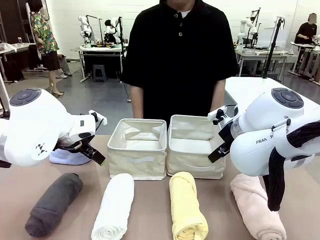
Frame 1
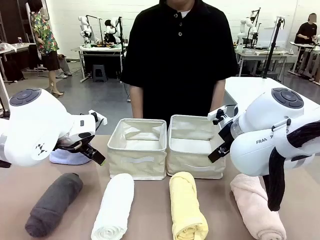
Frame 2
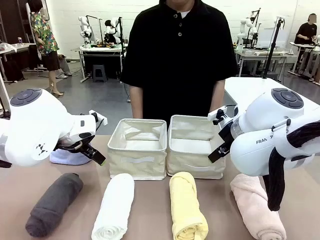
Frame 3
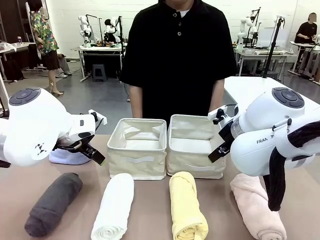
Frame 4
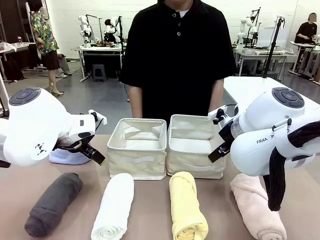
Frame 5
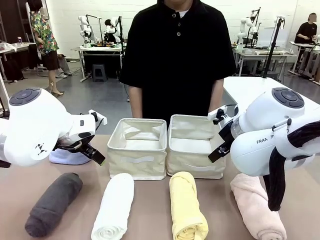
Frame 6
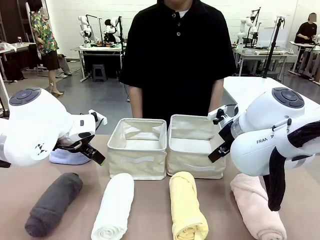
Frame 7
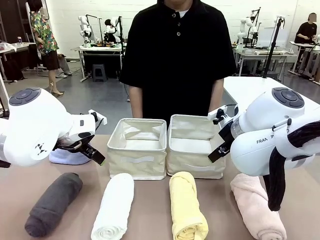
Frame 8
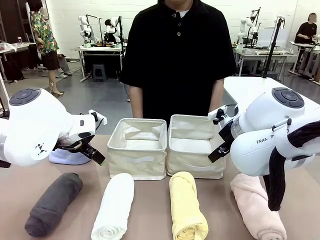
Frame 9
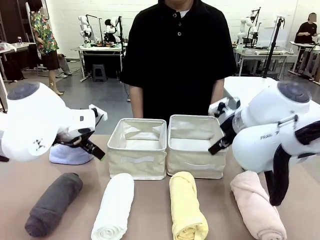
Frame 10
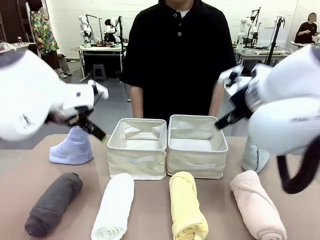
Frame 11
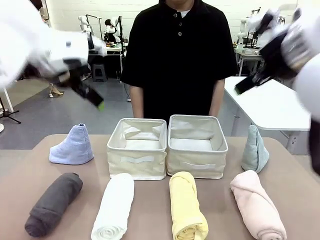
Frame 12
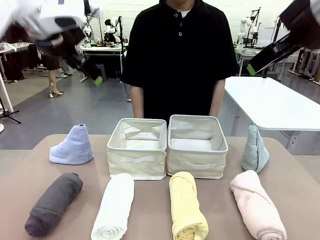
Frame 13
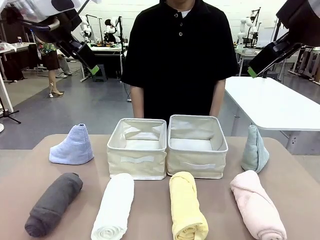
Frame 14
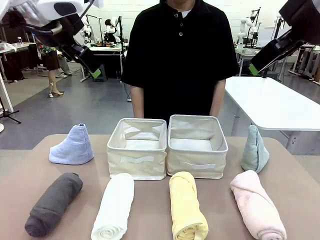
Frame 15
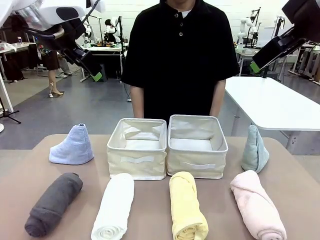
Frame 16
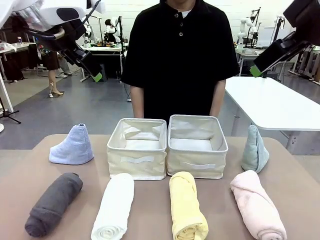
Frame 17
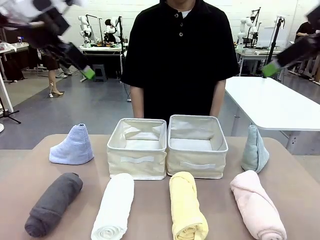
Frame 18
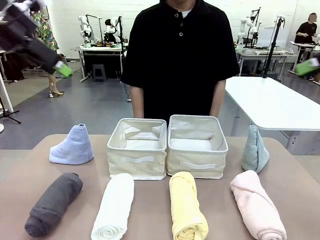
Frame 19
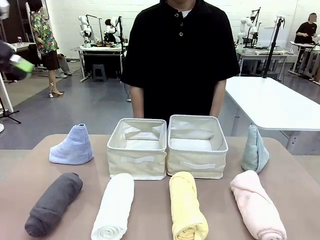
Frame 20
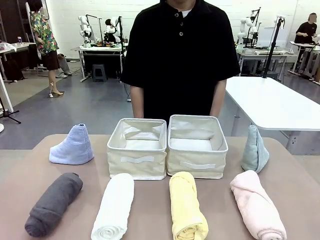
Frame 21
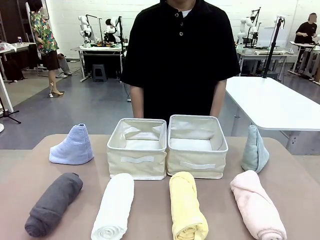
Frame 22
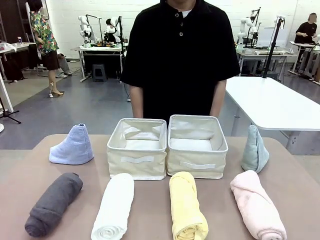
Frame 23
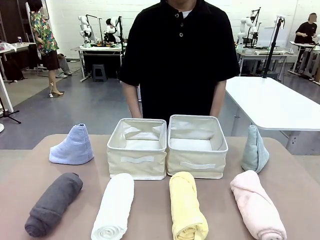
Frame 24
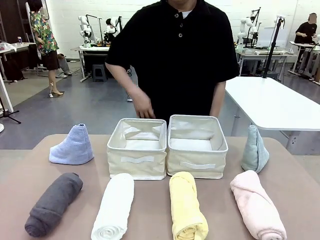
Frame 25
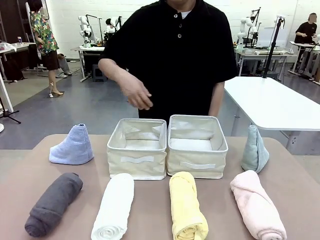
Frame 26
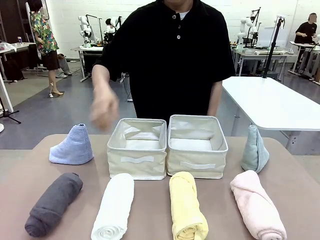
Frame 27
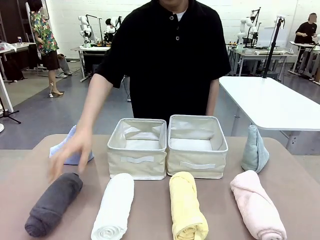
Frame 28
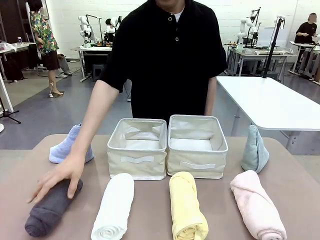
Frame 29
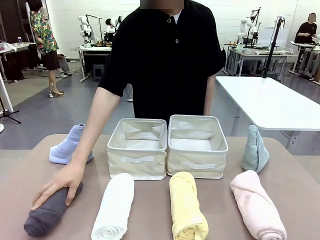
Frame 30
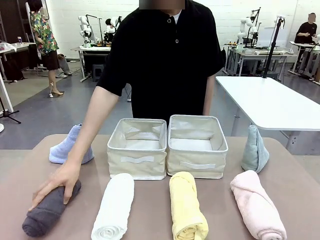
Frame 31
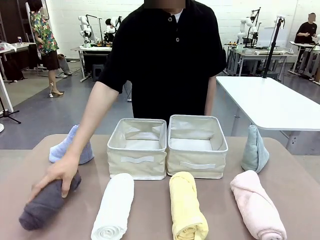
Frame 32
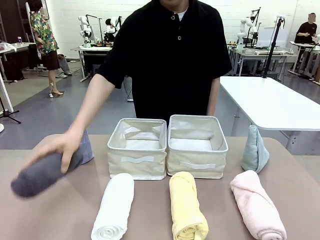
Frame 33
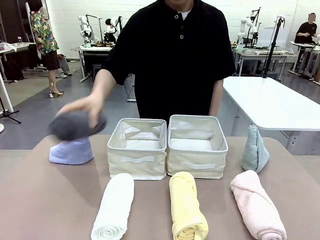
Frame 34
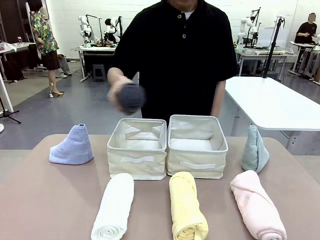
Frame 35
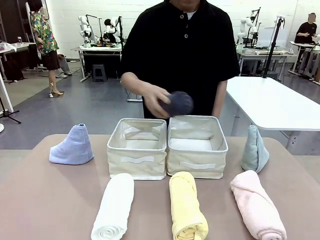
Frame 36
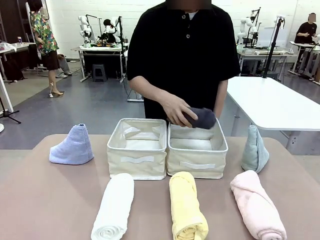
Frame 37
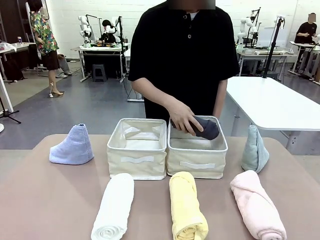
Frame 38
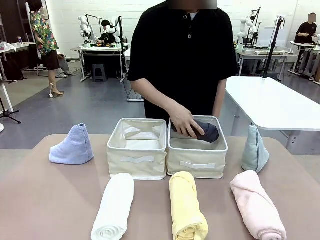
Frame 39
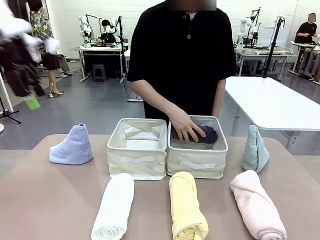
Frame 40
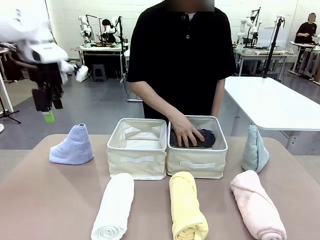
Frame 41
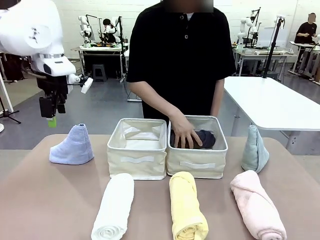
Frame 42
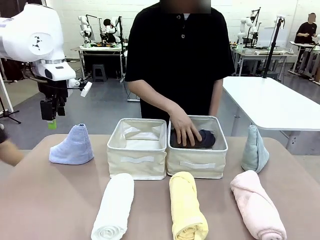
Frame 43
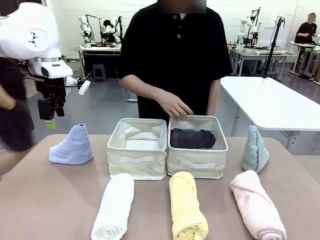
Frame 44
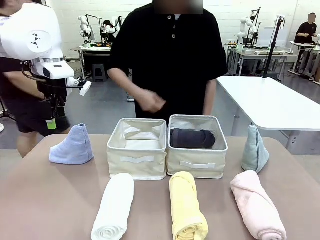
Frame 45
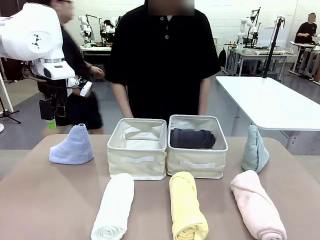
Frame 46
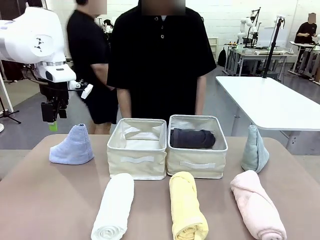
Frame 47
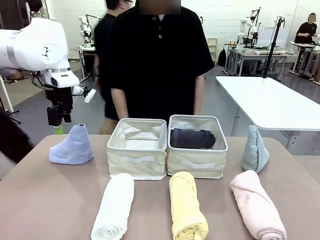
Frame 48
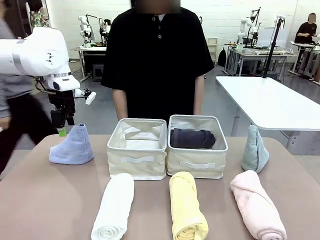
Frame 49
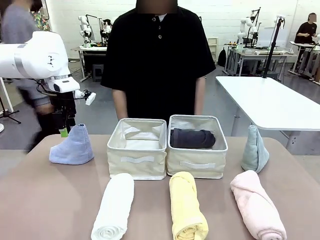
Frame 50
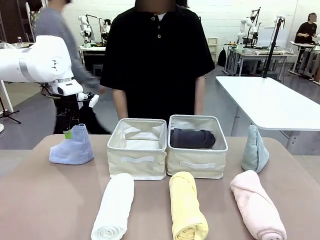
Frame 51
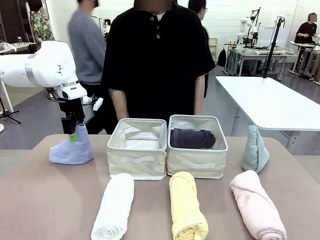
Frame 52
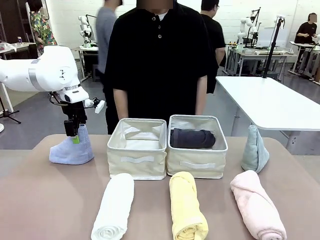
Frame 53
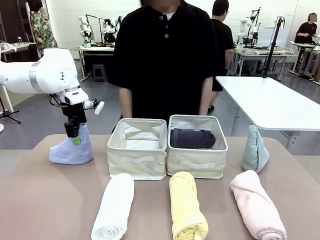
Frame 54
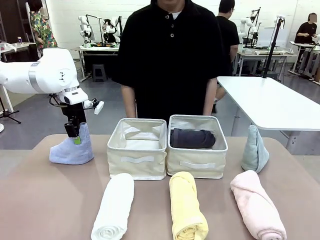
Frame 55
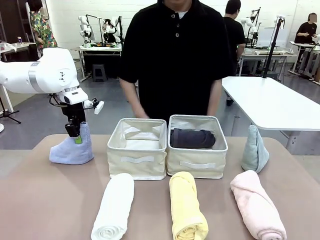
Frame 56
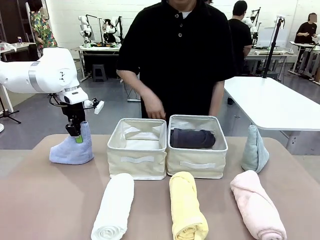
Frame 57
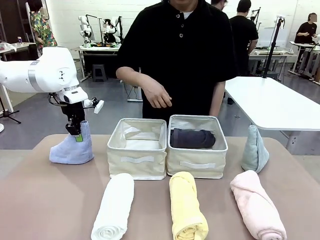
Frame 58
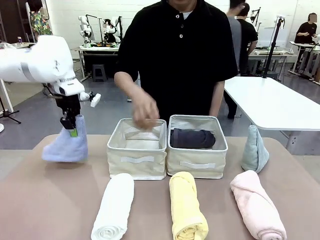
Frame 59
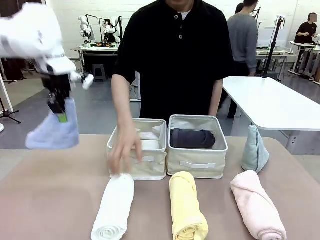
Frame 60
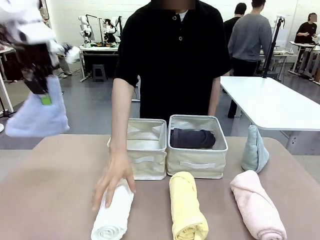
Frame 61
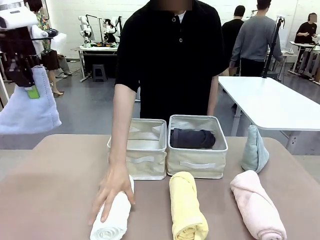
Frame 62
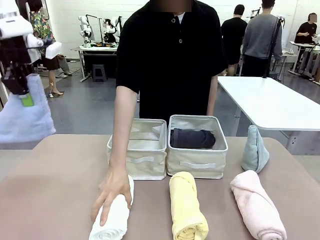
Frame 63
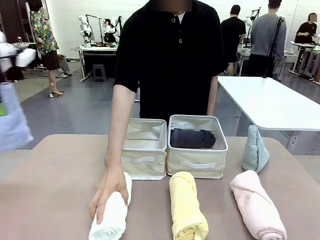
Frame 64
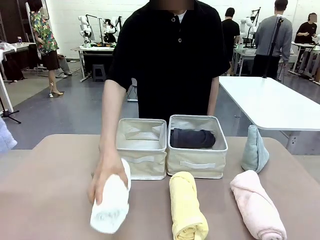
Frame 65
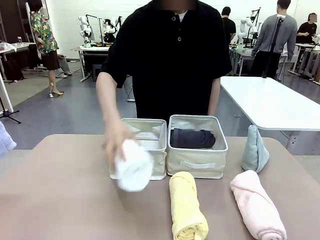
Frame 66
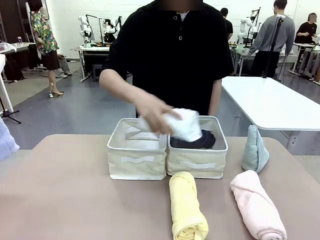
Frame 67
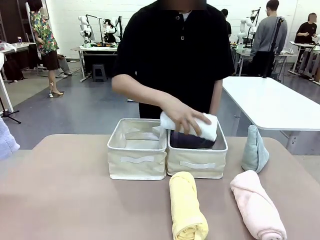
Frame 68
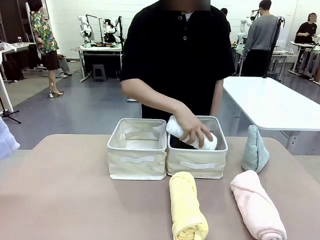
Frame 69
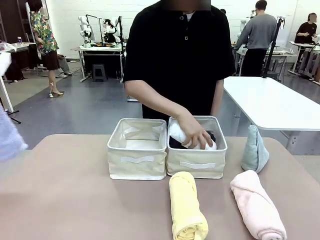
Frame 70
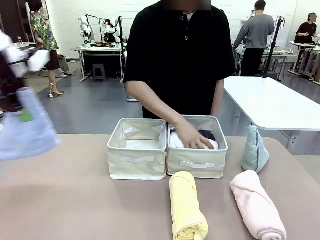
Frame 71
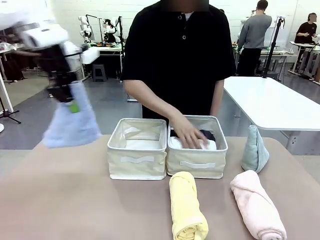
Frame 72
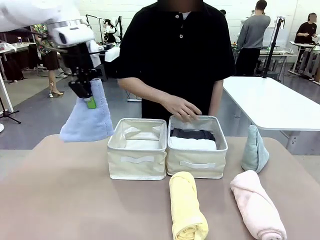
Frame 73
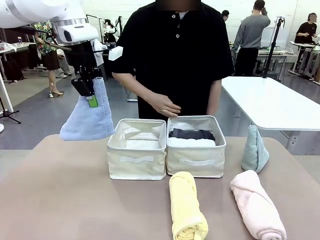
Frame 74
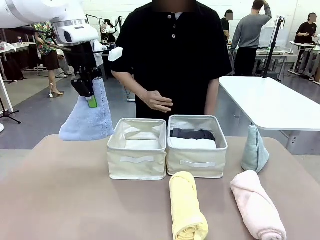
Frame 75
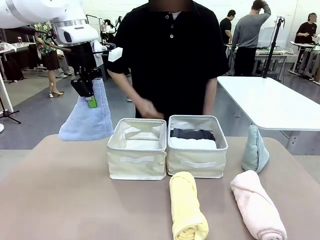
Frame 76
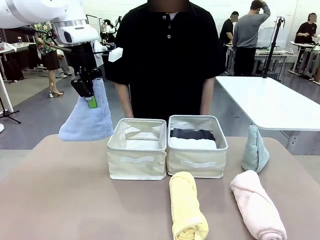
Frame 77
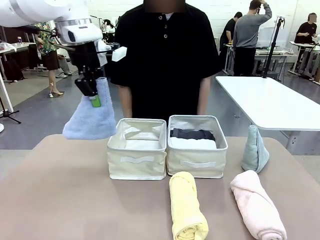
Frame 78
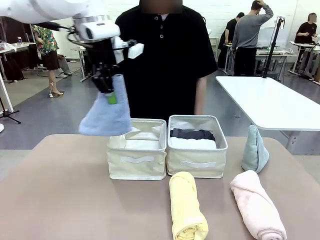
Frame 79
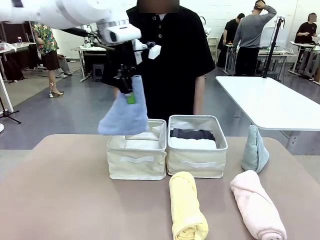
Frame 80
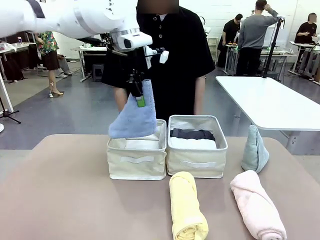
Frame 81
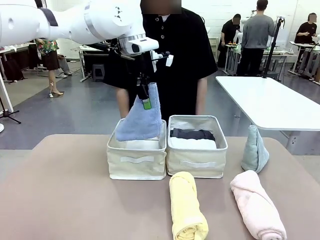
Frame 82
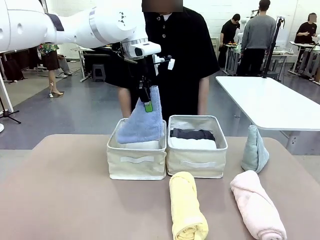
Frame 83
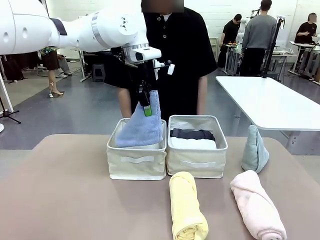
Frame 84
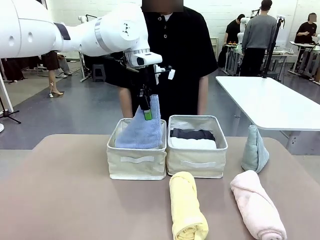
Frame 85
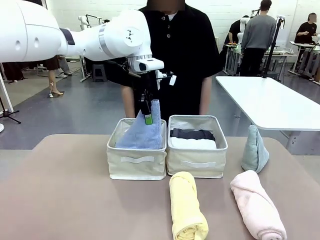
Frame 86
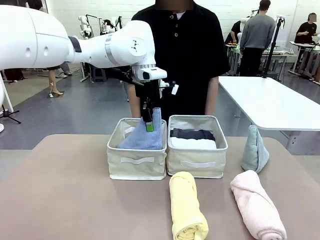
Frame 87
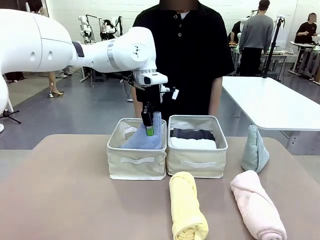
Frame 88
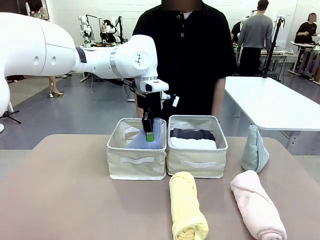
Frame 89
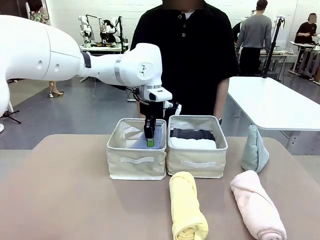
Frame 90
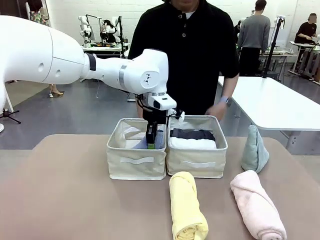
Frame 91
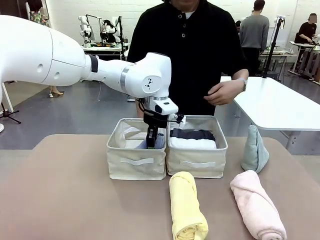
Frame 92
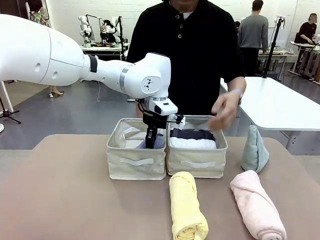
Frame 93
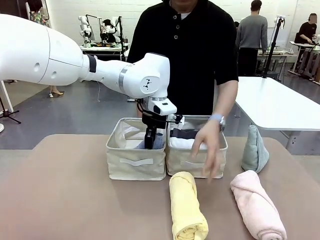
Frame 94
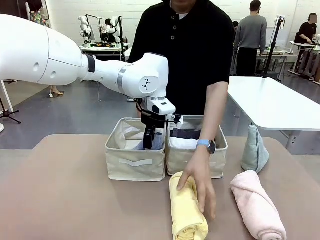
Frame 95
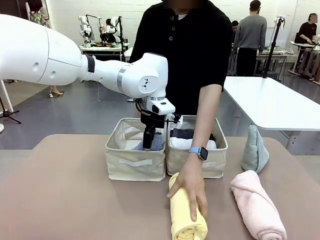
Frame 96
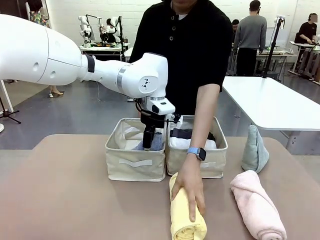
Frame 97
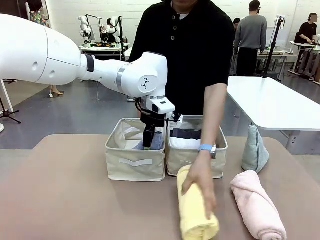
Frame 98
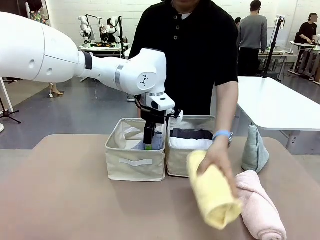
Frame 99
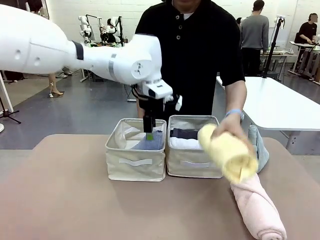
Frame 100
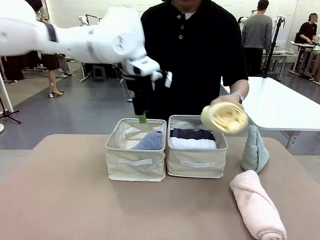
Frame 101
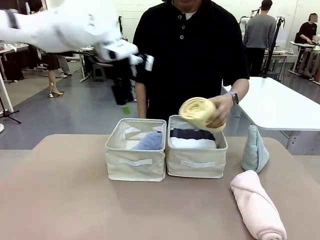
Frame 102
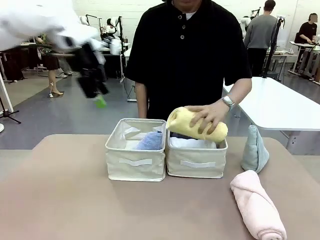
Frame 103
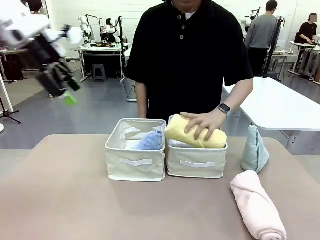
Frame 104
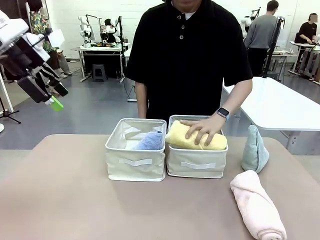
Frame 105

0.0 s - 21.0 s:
Task: Sort the towels based on their folding style.
Robot: Pick up one triangle-folded towel and place it in the left Fabric basket.
Person: Pick up one hotel-style rolled towel and place it in the left fabric basket.
